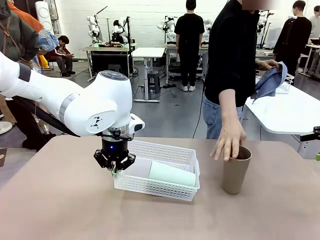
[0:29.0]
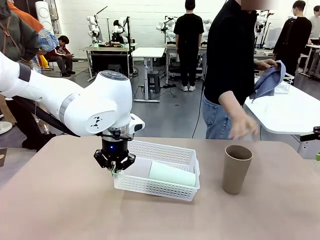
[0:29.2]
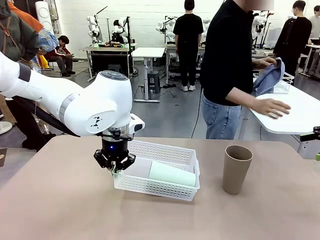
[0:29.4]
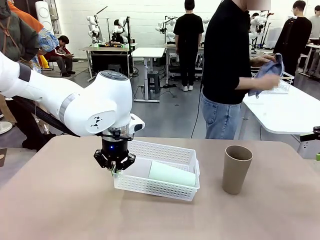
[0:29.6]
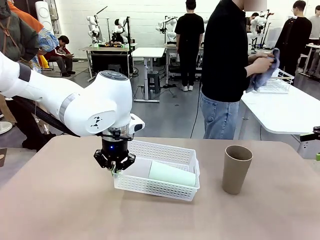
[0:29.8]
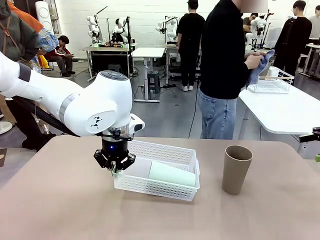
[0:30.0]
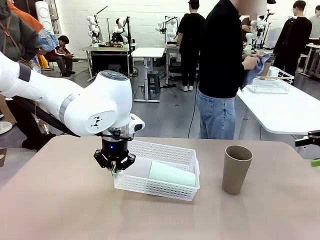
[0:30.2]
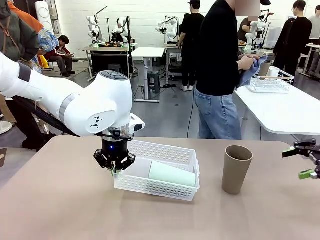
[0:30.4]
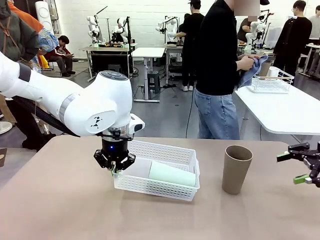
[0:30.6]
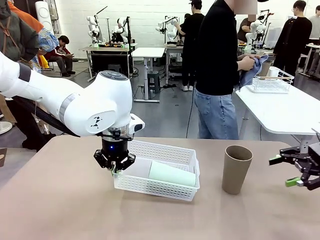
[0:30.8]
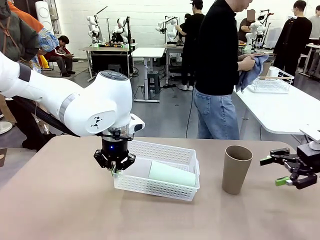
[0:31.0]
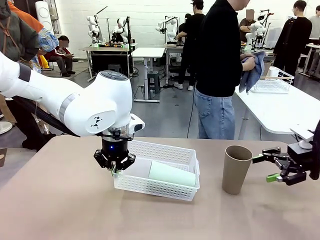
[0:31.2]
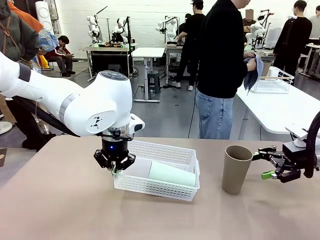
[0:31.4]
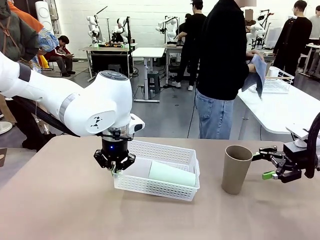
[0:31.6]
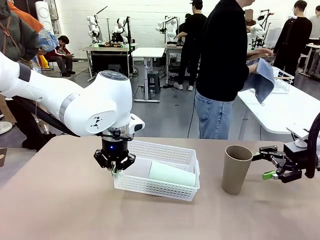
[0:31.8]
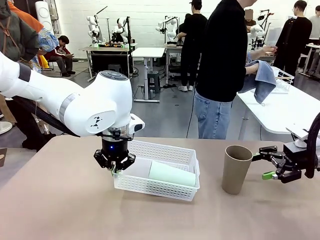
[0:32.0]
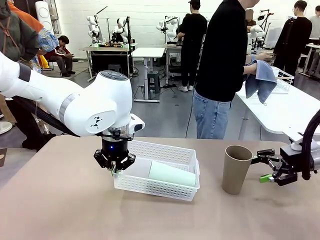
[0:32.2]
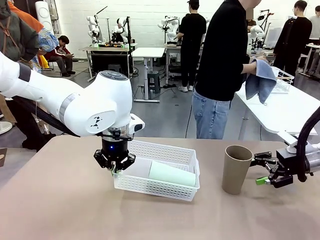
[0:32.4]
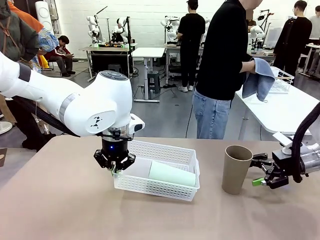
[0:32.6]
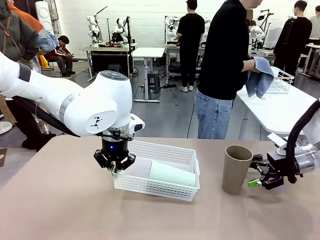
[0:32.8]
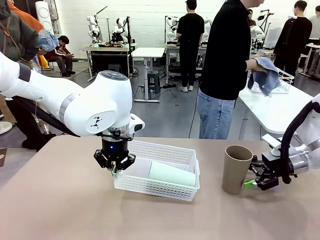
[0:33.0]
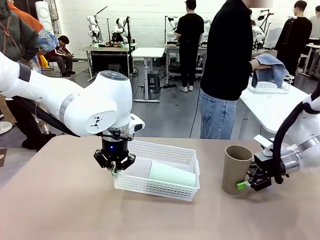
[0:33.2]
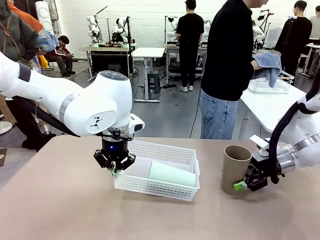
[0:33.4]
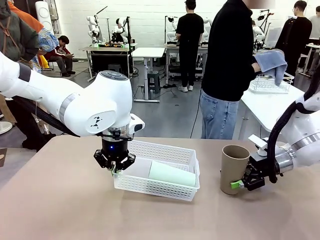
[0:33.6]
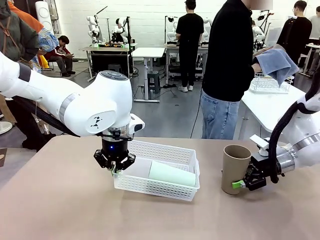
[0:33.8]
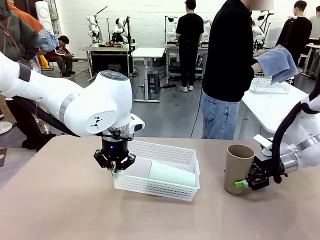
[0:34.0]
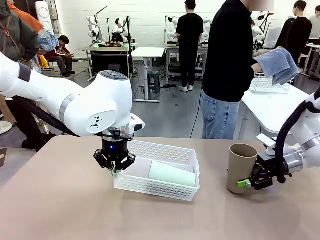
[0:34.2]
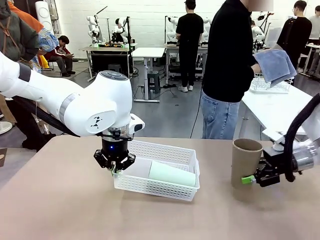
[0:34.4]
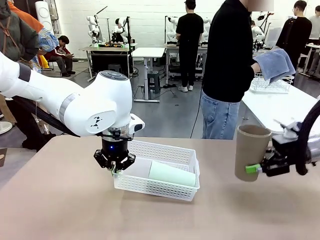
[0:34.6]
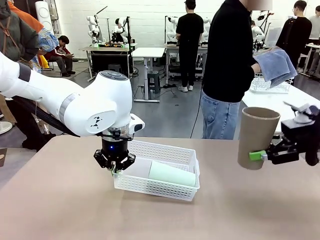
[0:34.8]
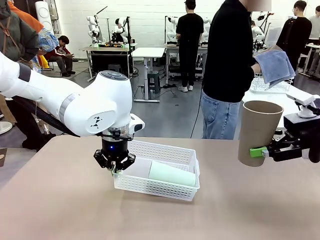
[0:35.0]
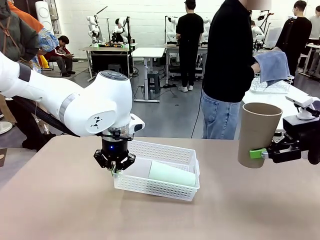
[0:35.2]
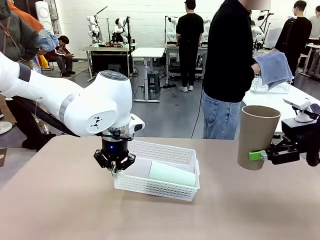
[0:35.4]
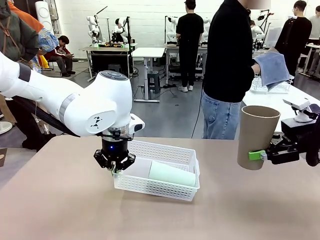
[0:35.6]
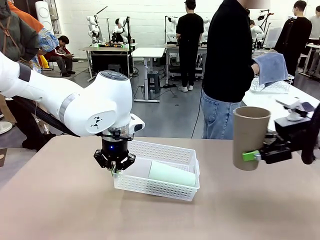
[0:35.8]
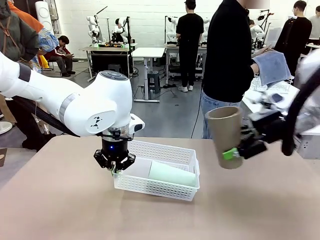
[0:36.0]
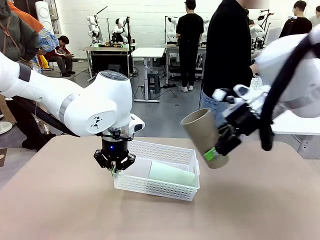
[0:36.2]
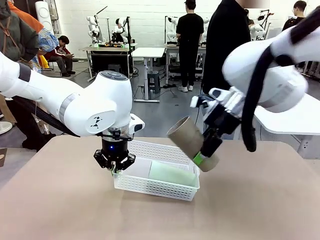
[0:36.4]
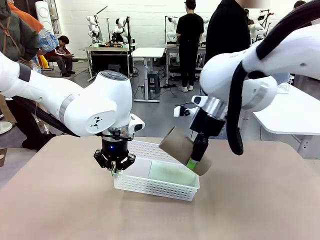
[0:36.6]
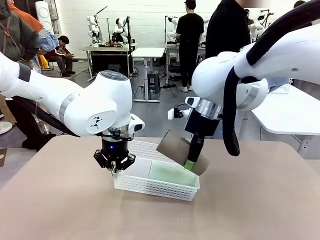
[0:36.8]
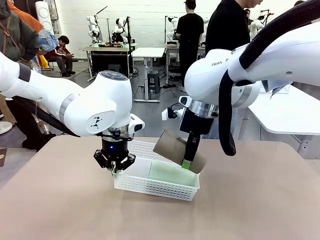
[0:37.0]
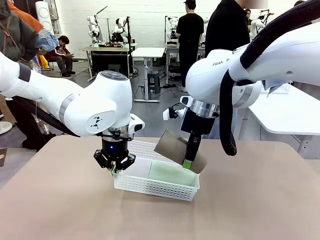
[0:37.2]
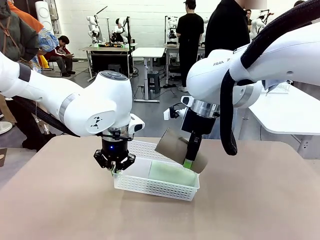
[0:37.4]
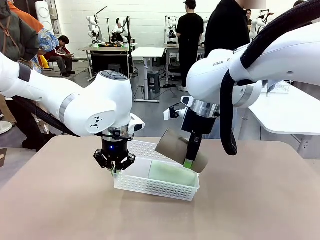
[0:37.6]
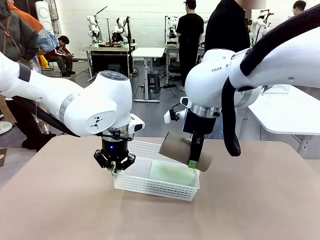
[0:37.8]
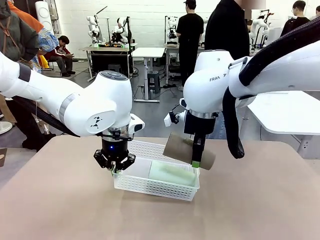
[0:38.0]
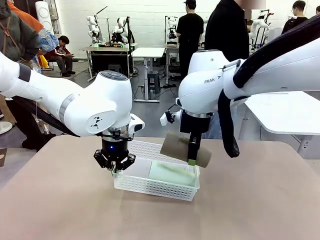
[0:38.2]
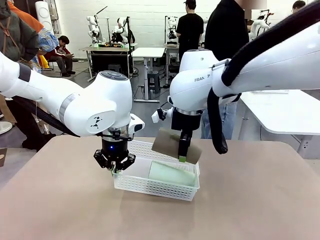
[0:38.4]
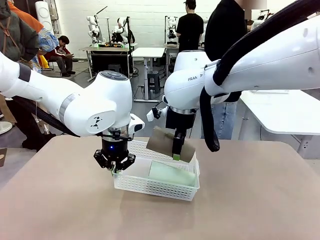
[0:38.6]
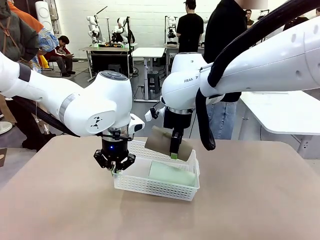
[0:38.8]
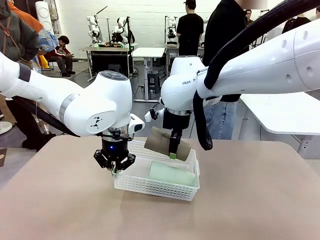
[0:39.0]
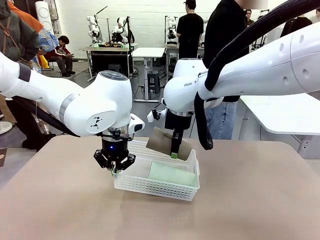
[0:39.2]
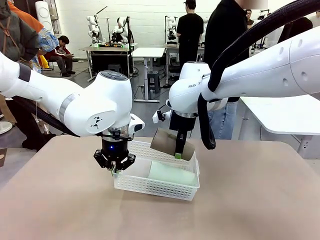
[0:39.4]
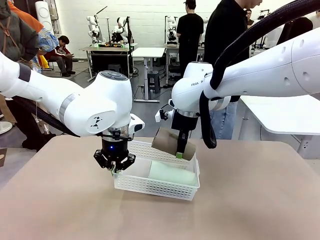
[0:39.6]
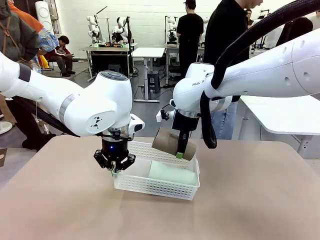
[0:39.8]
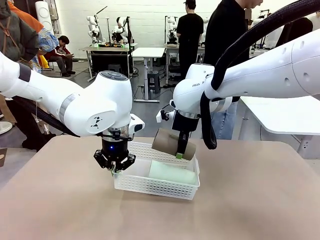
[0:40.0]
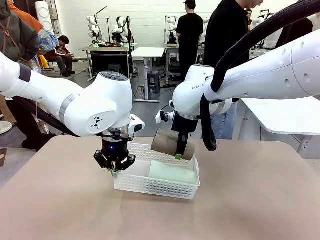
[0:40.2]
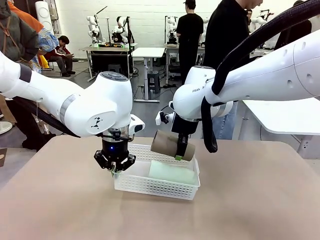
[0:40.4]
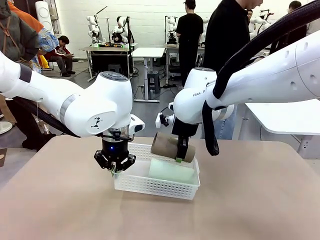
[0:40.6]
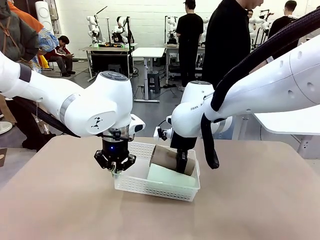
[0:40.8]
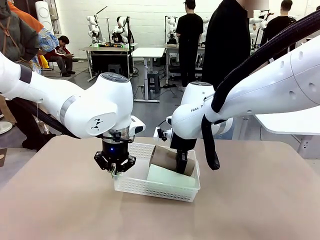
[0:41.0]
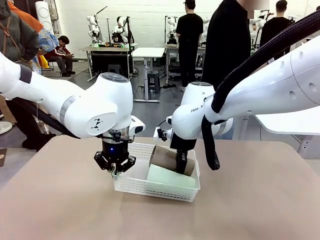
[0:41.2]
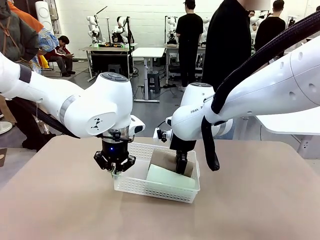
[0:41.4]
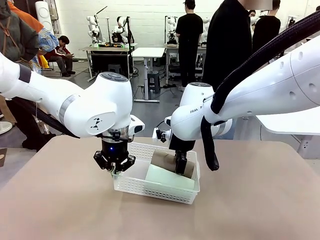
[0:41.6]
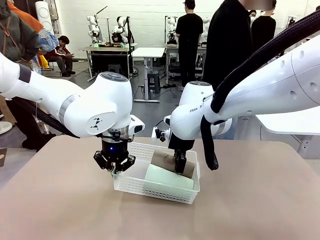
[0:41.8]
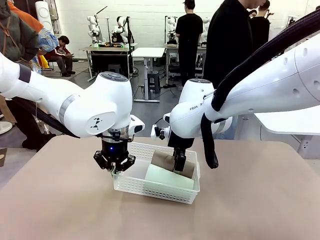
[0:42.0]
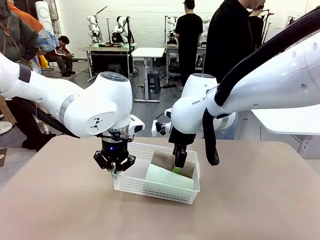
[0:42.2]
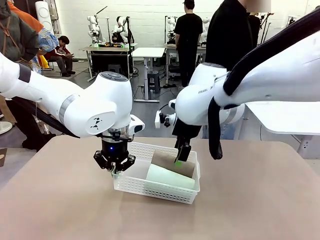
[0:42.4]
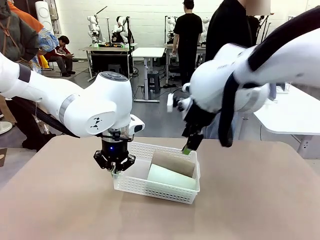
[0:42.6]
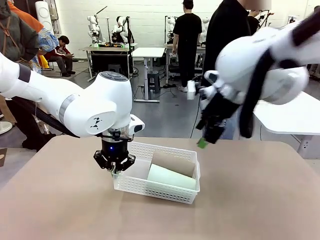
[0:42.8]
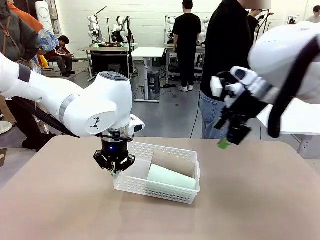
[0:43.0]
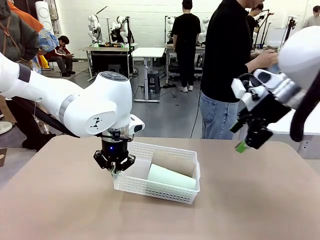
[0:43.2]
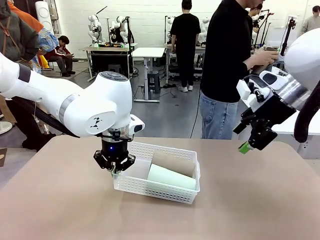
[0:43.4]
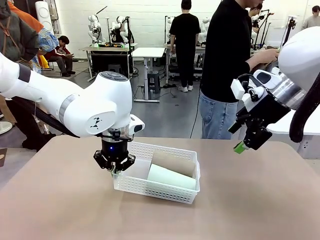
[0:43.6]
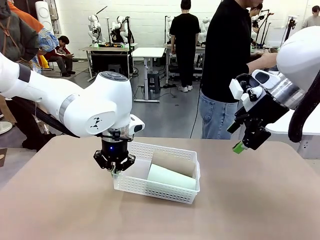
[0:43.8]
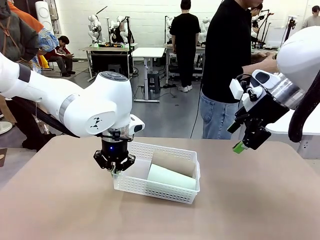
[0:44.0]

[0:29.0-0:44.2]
Task: Clean and organize the cups into the basket.
Robot: Pick up the Reusable plastic cup from the right side of the table and stack it inside the Organizing basket in the center of the table.
